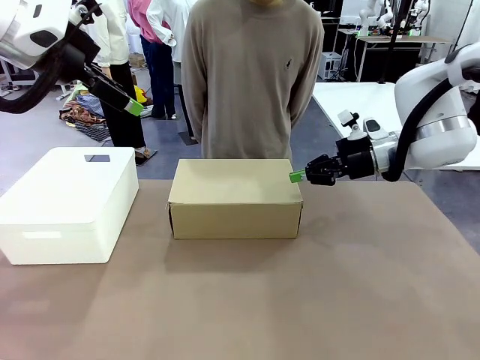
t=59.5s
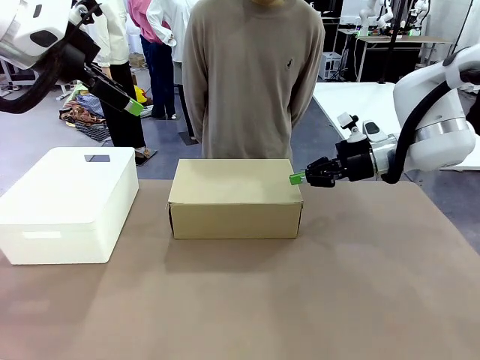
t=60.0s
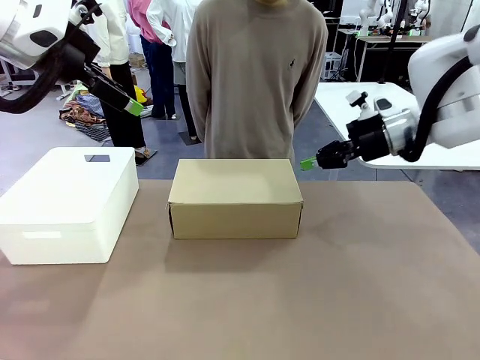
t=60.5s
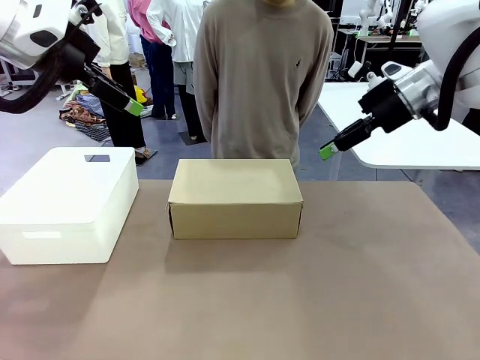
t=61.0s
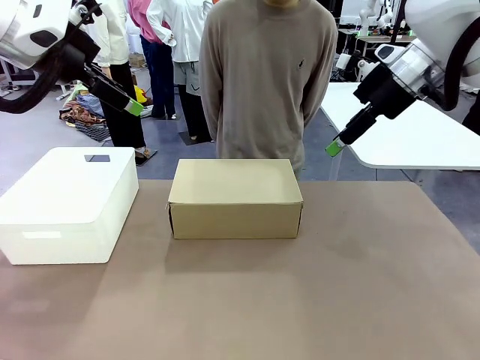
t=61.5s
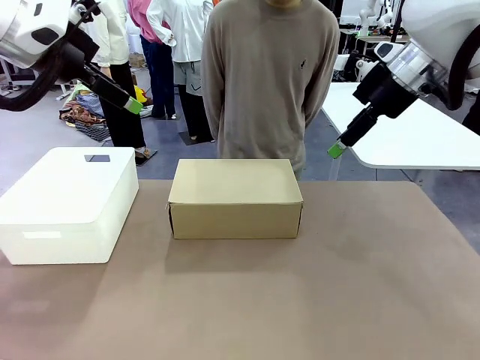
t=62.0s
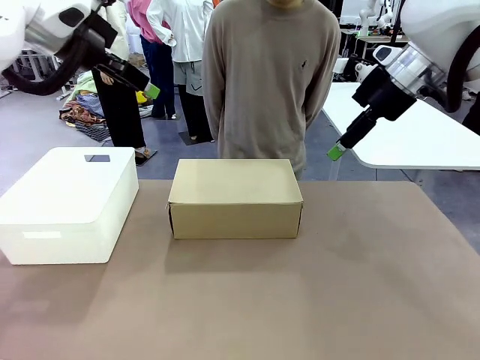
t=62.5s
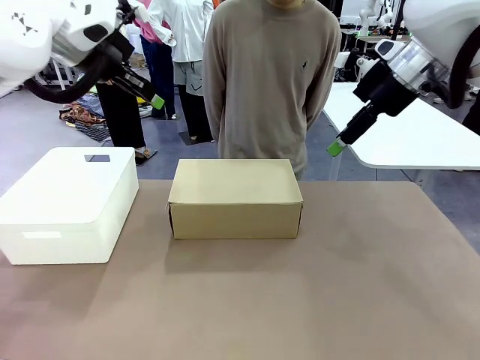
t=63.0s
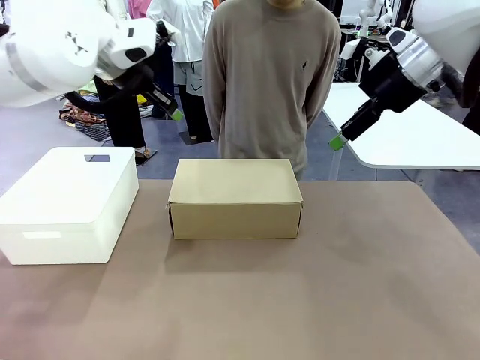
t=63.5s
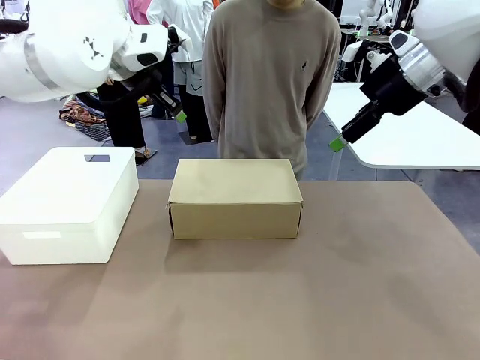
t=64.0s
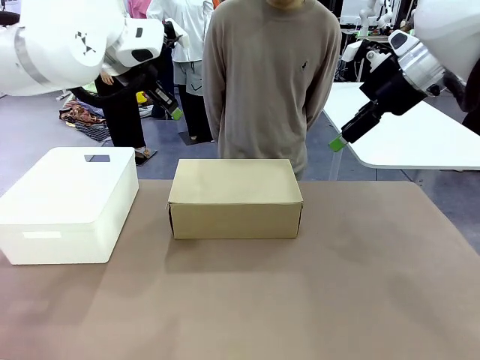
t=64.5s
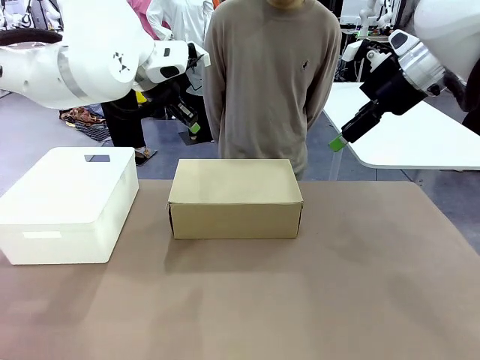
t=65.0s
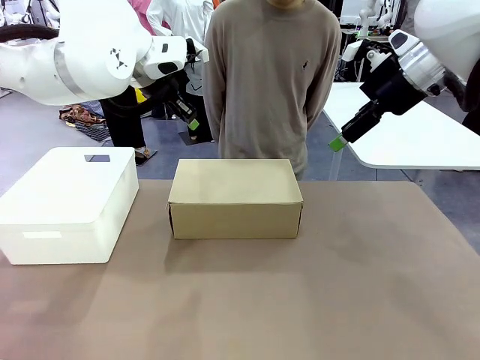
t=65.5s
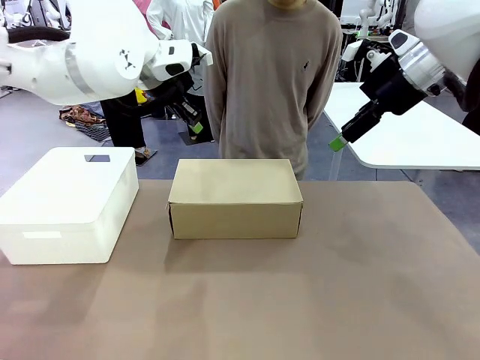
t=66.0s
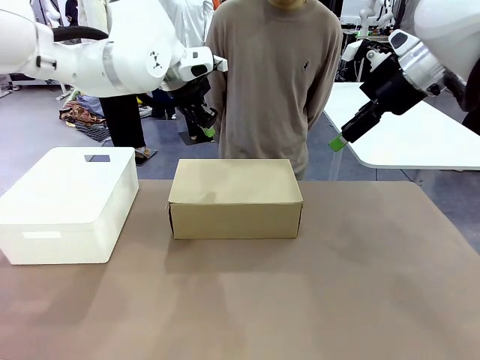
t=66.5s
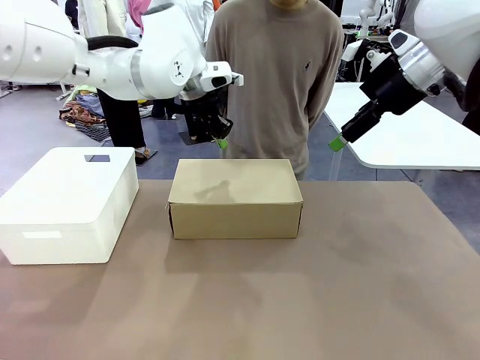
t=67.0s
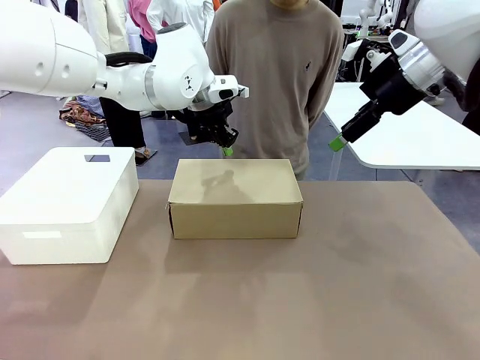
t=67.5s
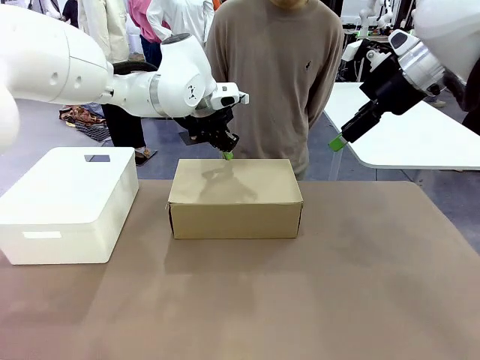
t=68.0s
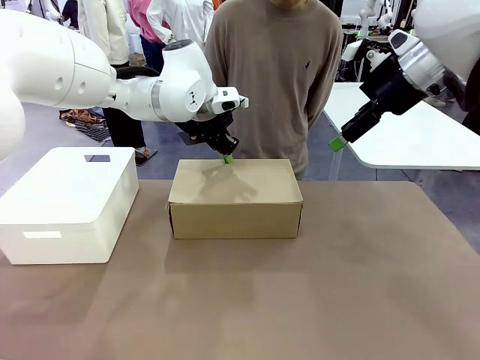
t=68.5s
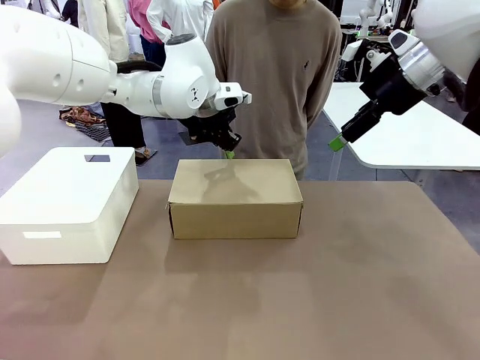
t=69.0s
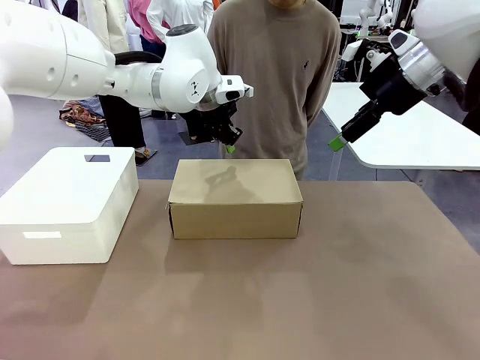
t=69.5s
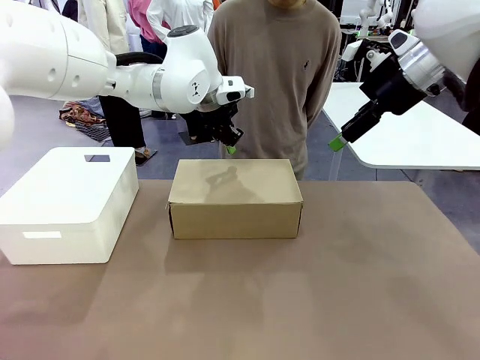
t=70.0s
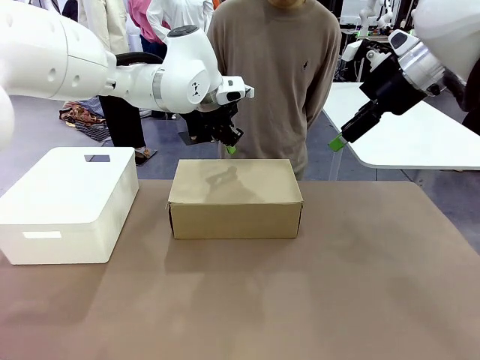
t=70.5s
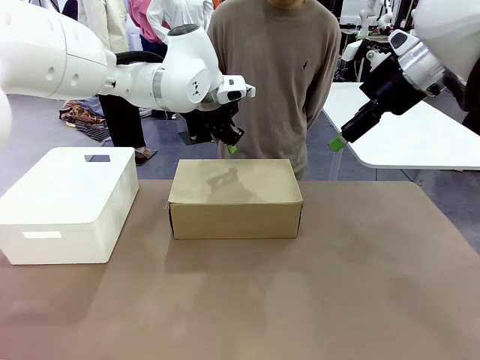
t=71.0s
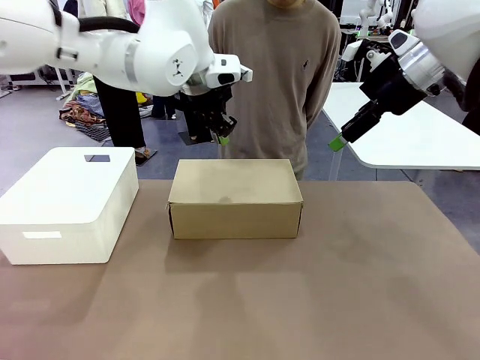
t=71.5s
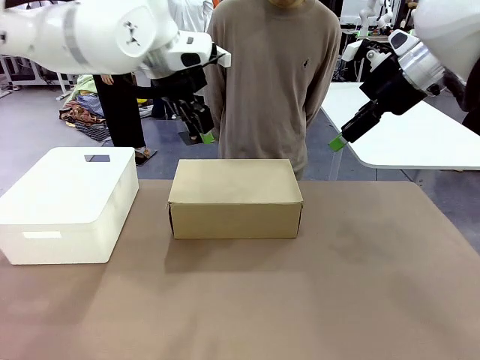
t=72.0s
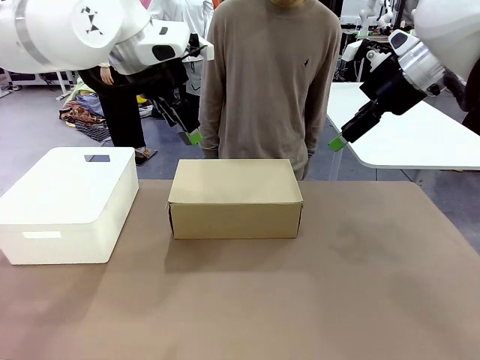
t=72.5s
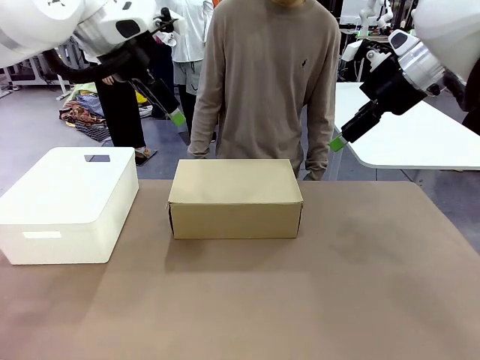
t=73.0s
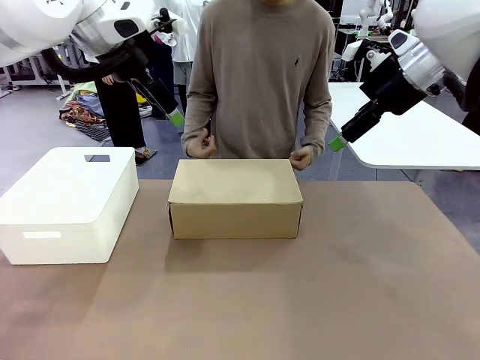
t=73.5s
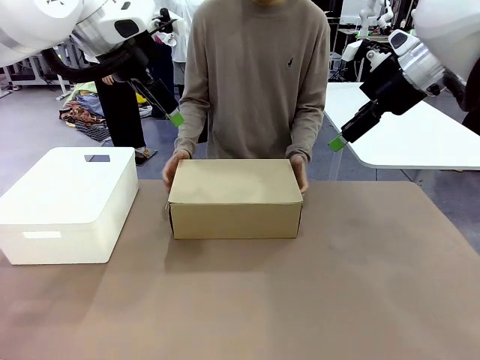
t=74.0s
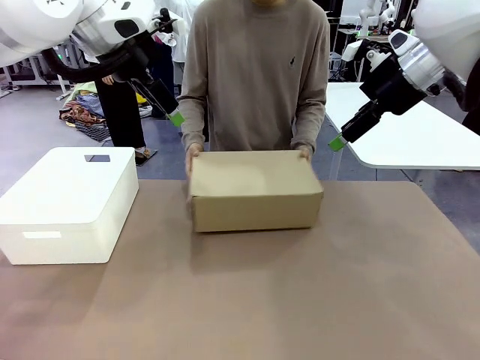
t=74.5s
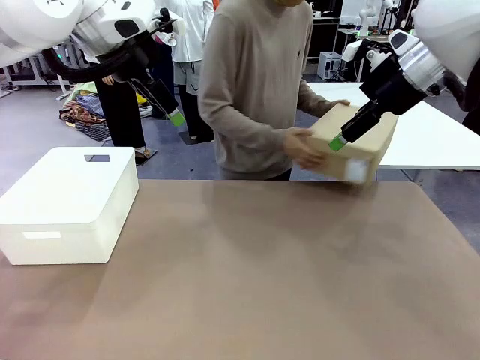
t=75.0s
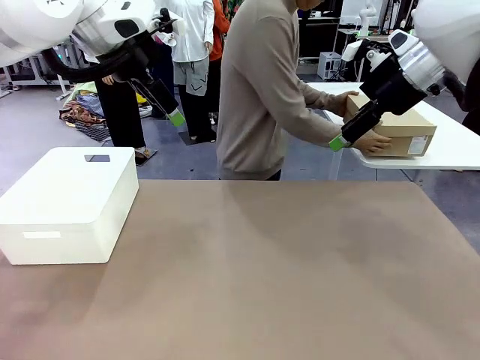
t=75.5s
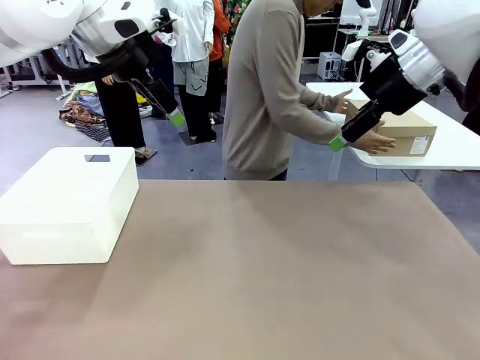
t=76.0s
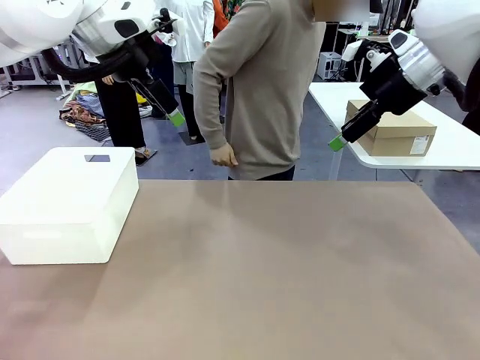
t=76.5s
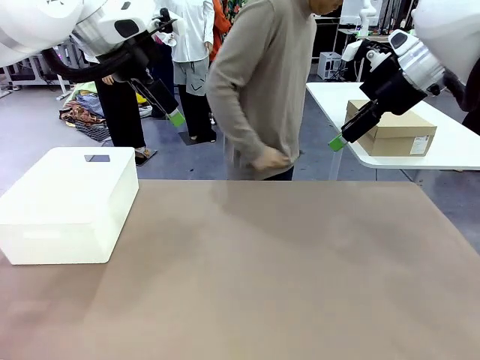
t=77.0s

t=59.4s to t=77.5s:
Task: Pack the shoes into the box.
Robot: Press down on the lid of the Shoes Box.
Person: Place the closed Shoes Box to the right side of the human table.
